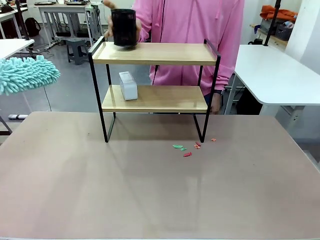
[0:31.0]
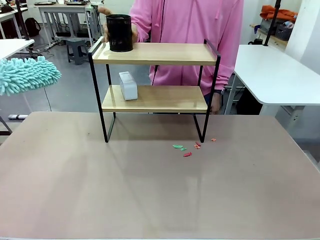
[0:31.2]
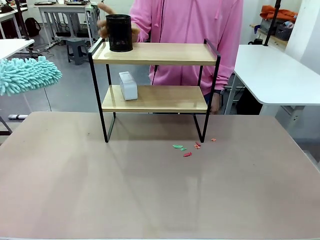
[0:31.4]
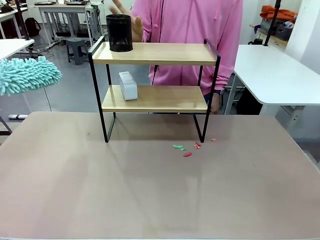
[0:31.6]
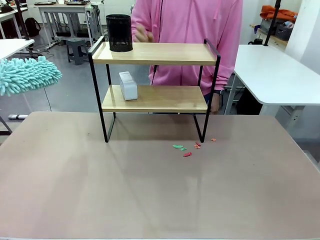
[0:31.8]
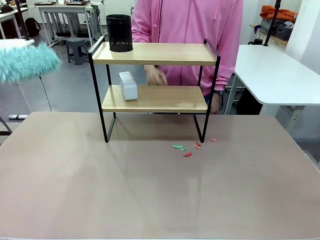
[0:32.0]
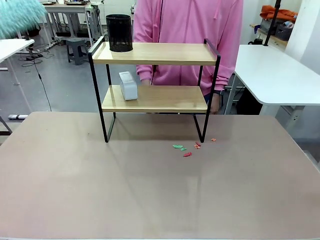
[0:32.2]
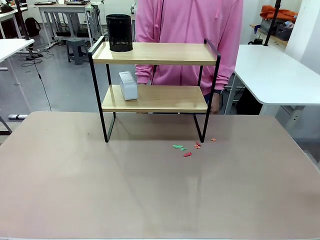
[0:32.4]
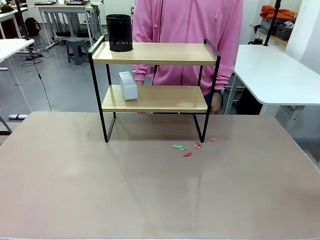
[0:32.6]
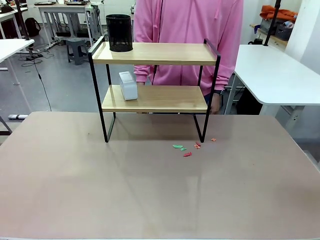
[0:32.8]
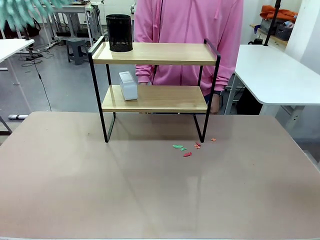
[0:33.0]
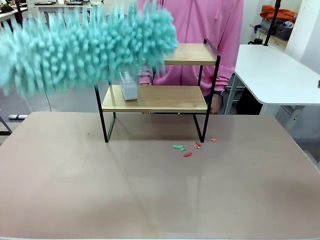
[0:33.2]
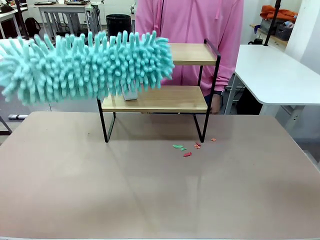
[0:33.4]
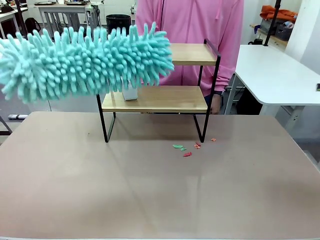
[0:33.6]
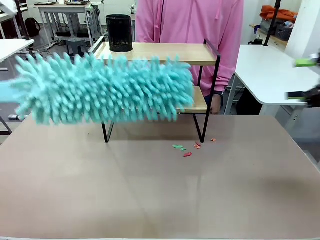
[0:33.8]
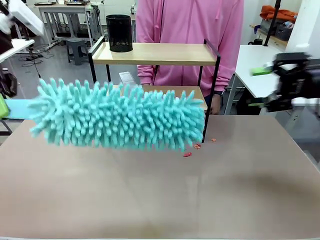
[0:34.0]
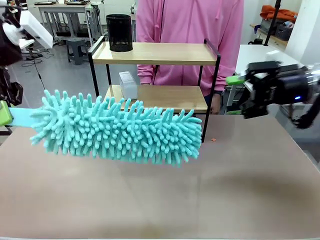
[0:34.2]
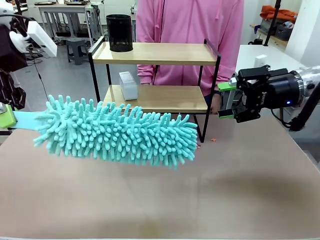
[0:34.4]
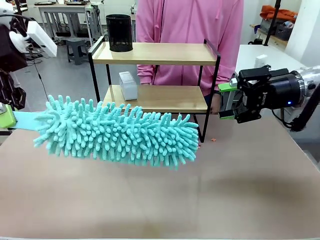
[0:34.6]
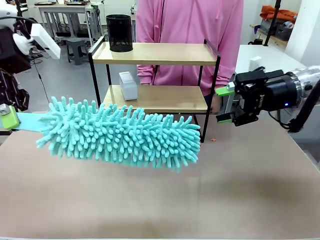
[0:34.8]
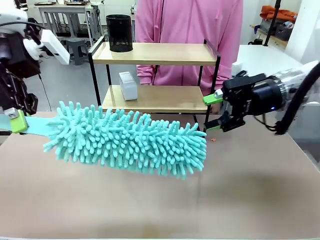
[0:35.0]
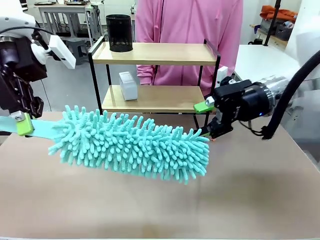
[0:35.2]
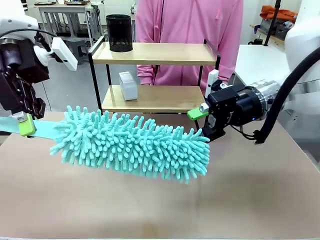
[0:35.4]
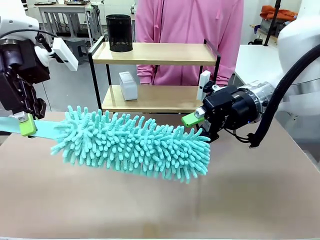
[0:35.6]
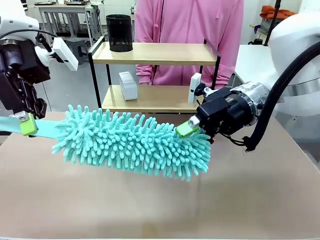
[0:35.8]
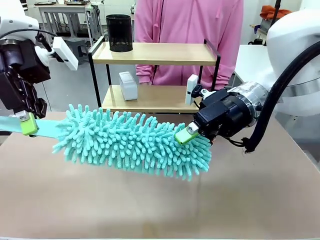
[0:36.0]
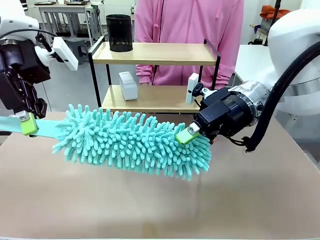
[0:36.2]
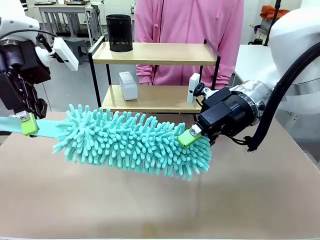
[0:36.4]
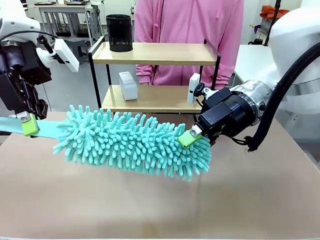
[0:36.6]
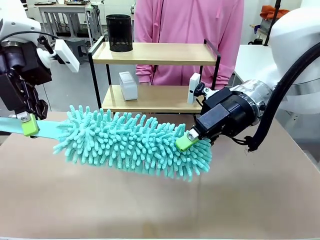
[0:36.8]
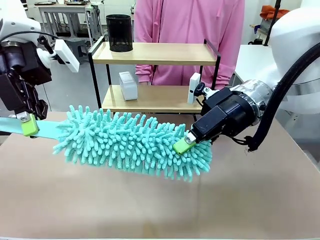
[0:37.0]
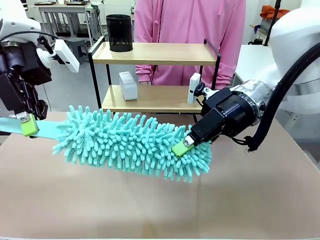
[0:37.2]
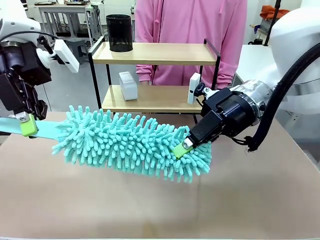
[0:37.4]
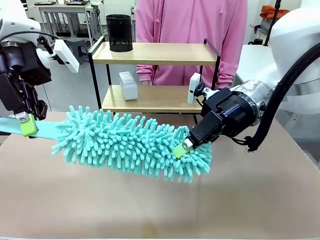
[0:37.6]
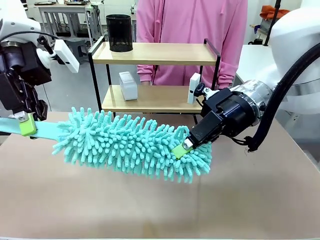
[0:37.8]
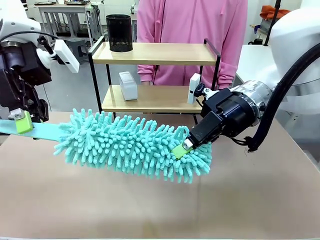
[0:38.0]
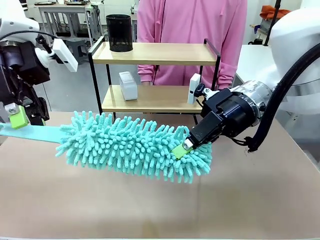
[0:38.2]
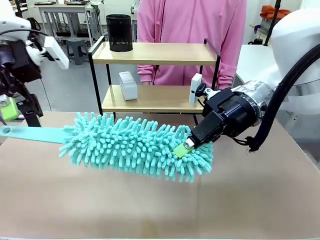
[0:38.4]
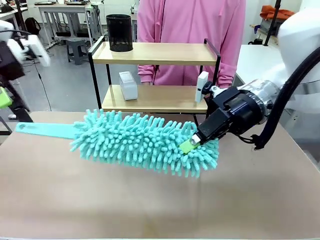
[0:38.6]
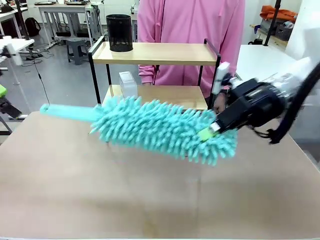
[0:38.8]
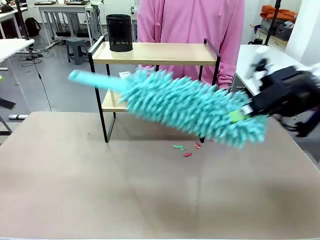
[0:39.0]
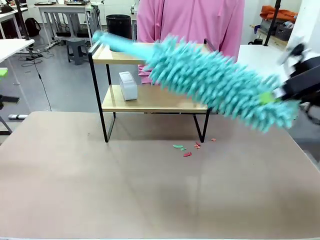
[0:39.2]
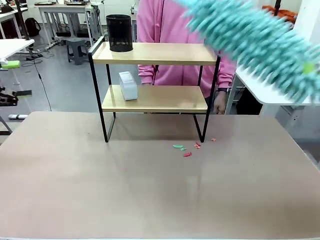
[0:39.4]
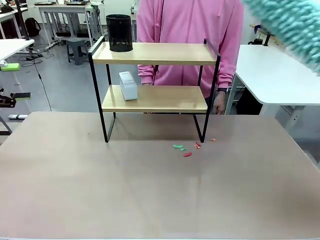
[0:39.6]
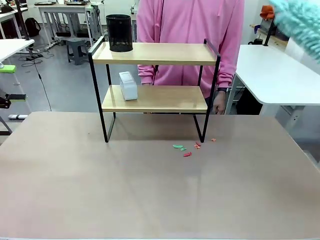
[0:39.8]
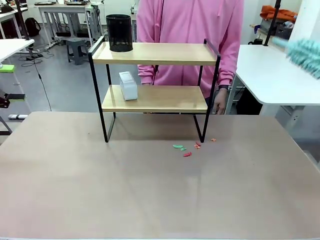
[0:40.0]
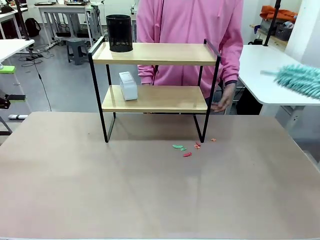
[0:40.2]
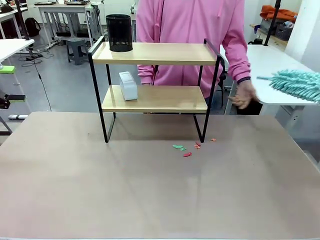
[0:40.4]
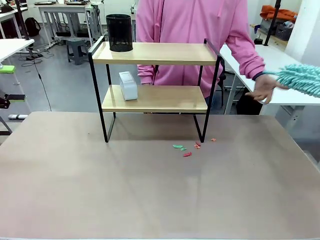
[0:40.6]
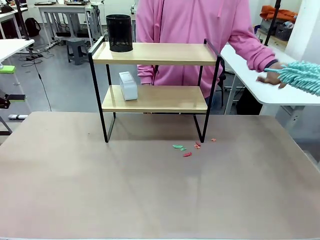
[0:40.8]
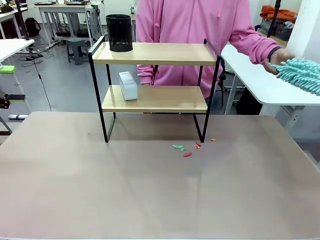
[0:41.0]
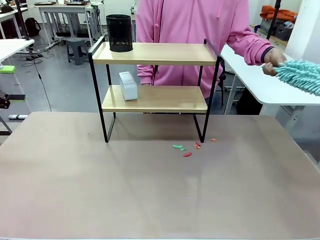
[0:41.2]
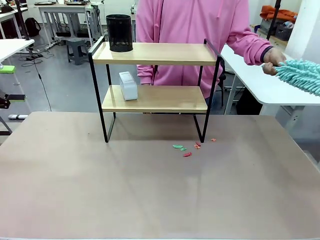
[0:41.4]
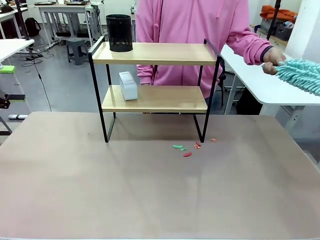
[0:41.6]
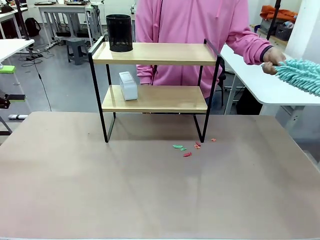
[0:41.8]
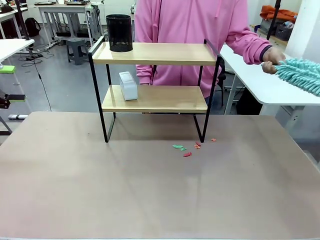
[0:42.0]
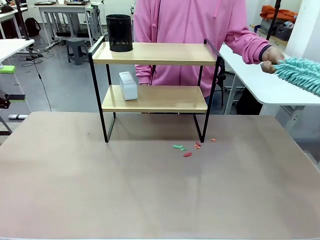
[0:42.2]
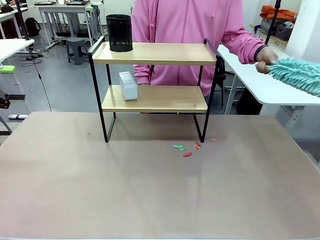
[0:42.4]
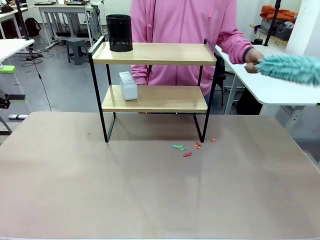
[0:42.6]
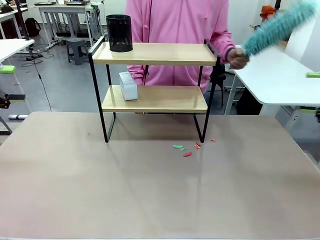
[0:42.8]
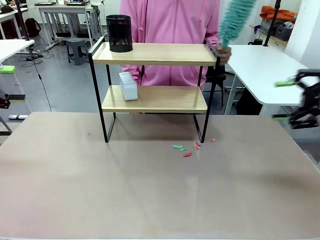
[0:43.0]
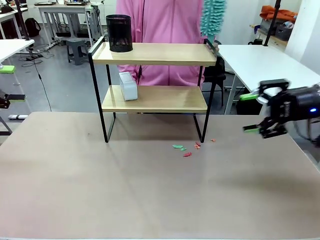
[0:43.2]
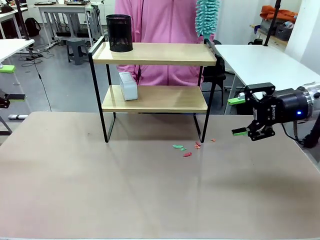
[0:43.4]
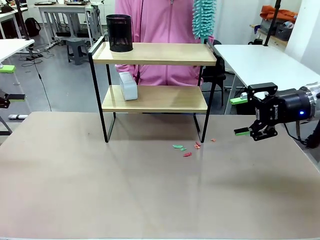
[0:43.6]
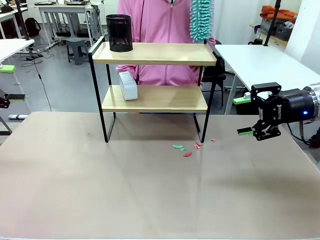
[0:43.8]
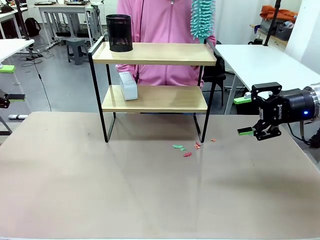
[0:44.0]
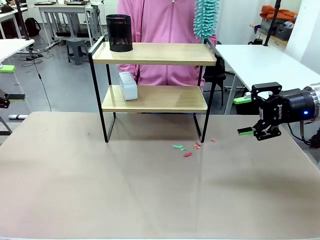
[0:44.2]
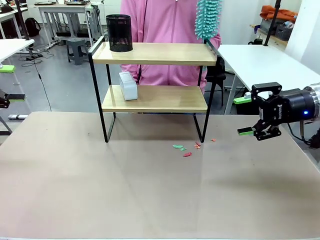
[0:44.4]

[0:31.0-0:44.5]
Task: Clean the shelf.
Robot: Hand the Duster back to the human.
Person: Receive the Duster from the robot.
